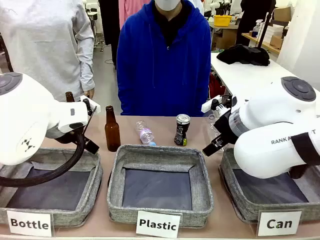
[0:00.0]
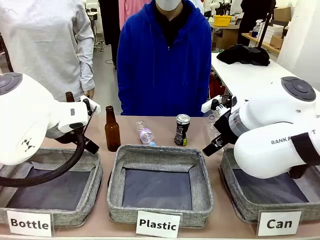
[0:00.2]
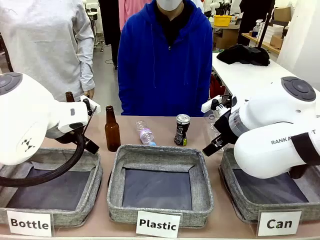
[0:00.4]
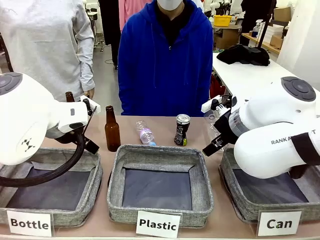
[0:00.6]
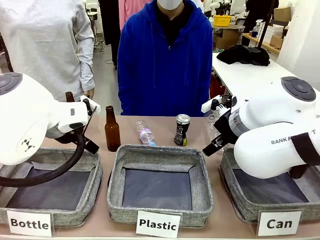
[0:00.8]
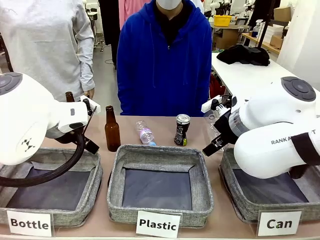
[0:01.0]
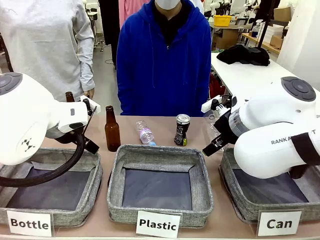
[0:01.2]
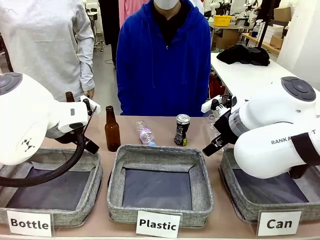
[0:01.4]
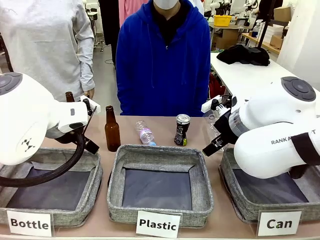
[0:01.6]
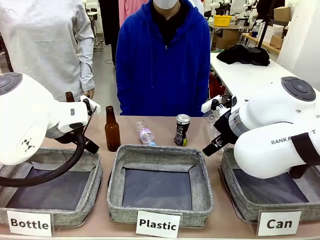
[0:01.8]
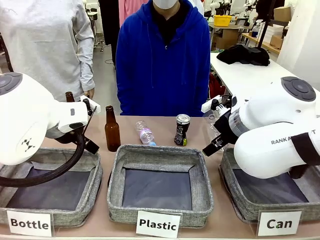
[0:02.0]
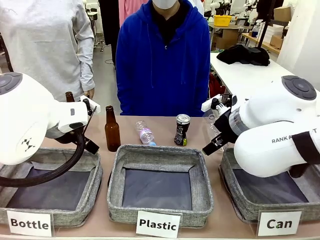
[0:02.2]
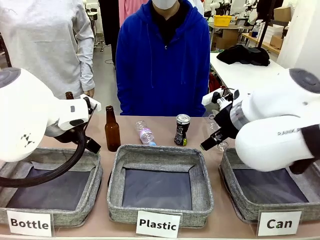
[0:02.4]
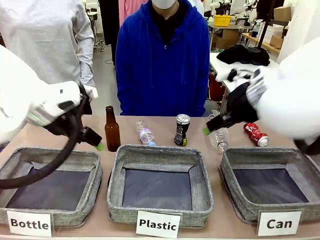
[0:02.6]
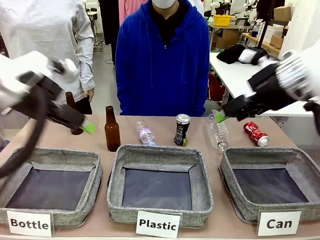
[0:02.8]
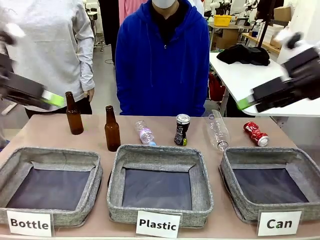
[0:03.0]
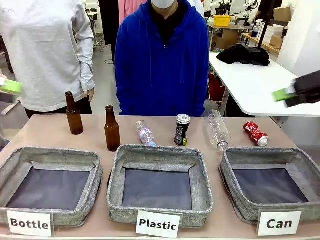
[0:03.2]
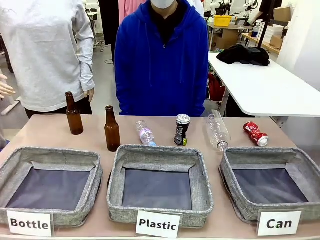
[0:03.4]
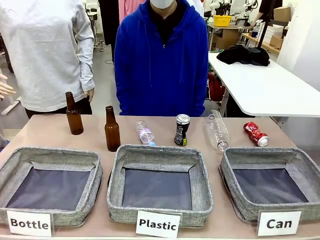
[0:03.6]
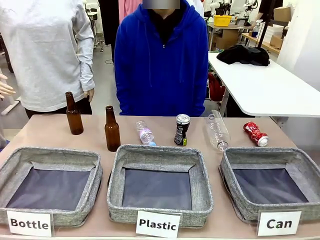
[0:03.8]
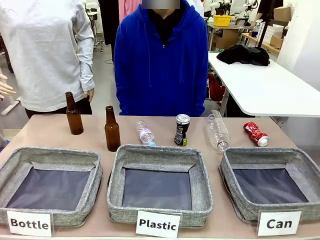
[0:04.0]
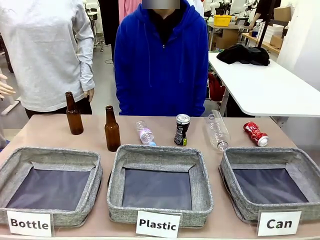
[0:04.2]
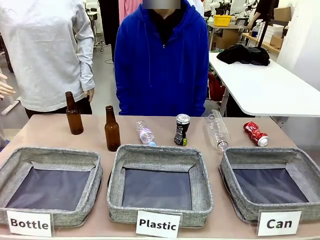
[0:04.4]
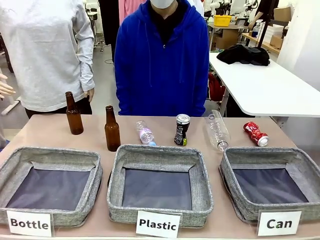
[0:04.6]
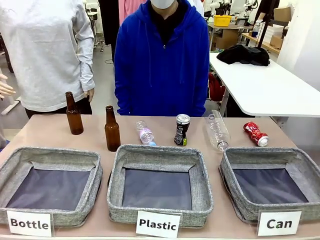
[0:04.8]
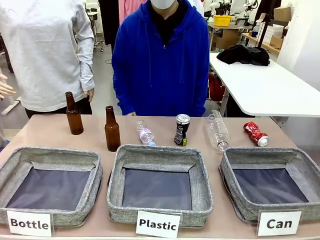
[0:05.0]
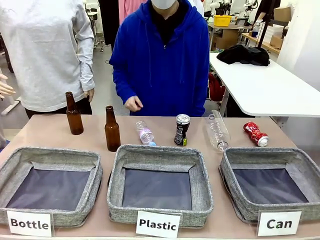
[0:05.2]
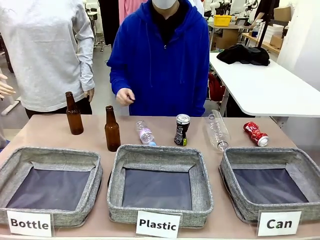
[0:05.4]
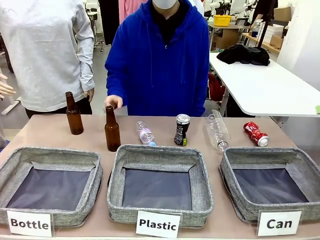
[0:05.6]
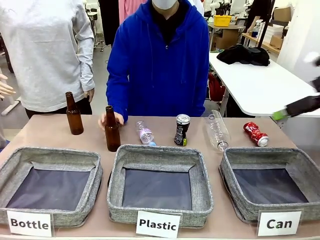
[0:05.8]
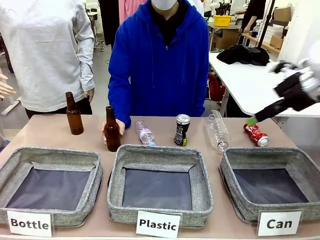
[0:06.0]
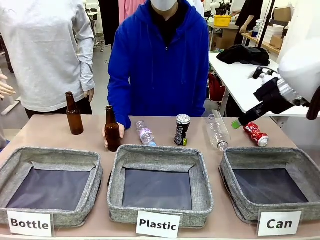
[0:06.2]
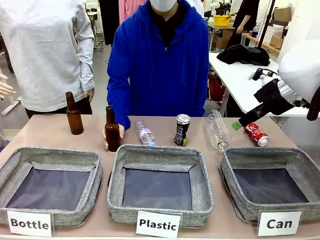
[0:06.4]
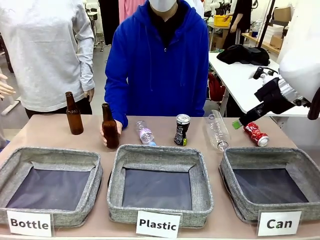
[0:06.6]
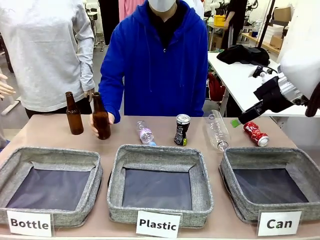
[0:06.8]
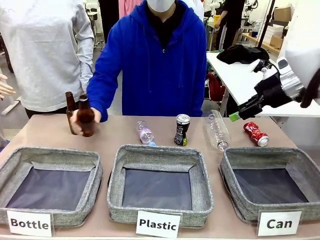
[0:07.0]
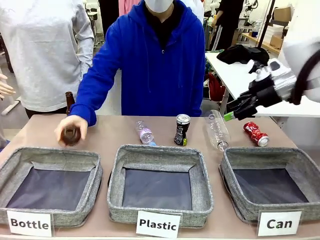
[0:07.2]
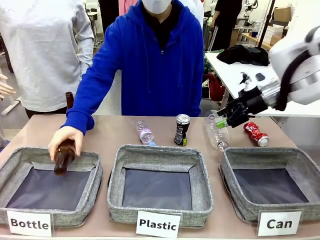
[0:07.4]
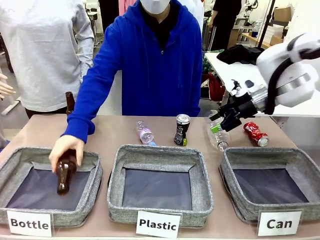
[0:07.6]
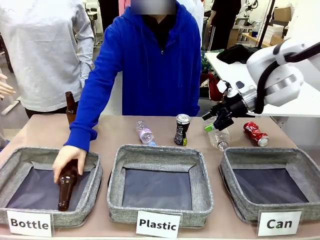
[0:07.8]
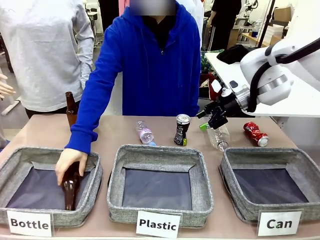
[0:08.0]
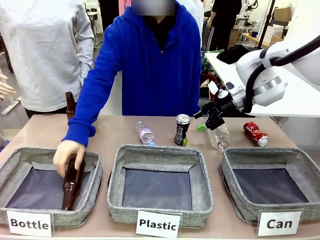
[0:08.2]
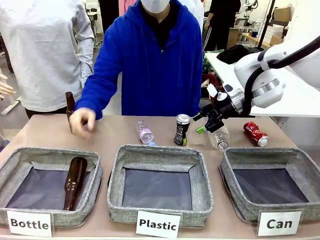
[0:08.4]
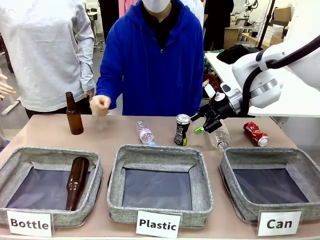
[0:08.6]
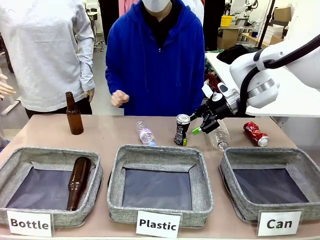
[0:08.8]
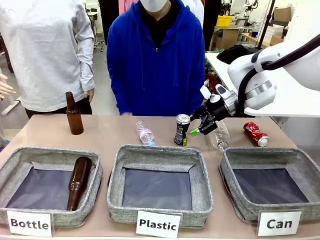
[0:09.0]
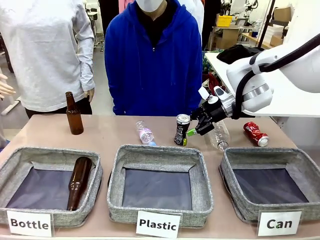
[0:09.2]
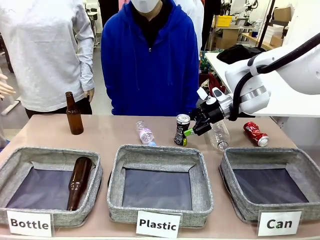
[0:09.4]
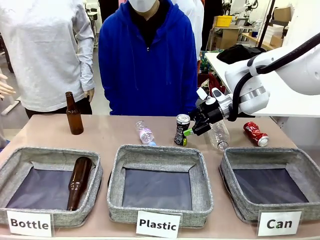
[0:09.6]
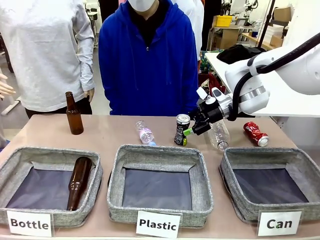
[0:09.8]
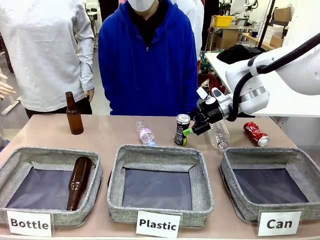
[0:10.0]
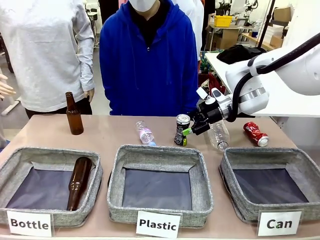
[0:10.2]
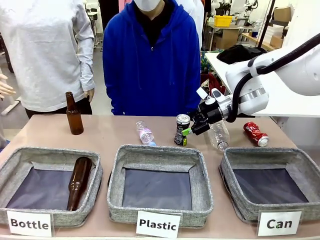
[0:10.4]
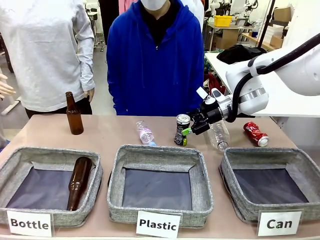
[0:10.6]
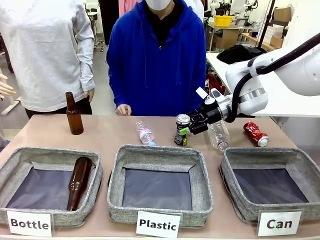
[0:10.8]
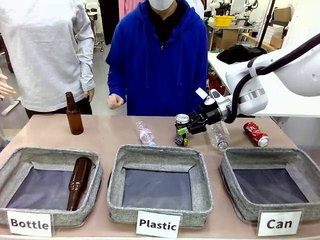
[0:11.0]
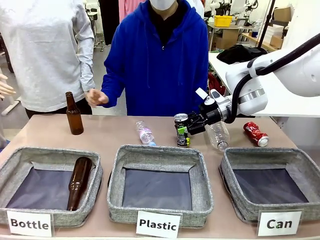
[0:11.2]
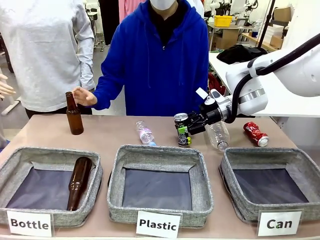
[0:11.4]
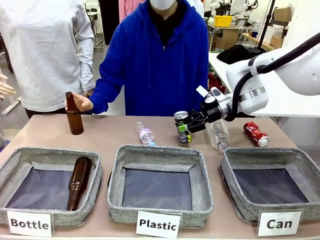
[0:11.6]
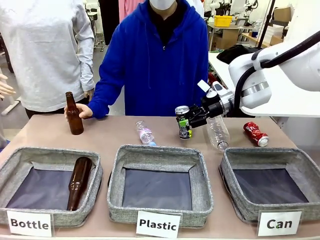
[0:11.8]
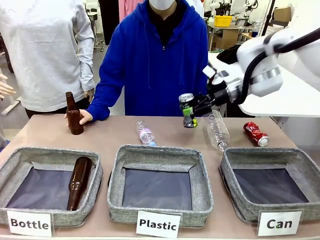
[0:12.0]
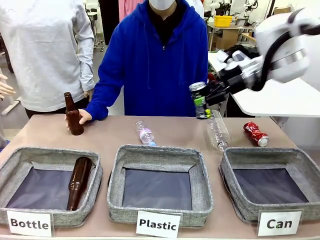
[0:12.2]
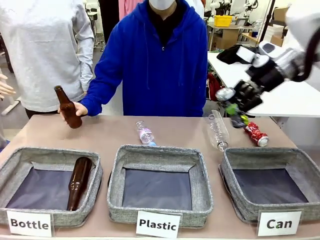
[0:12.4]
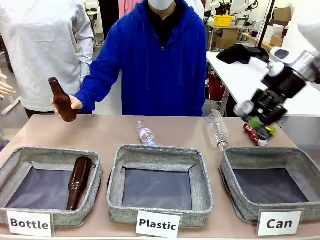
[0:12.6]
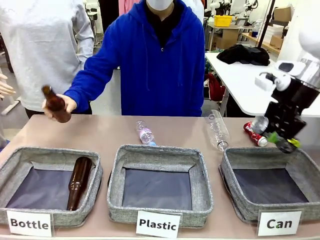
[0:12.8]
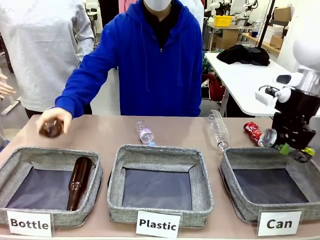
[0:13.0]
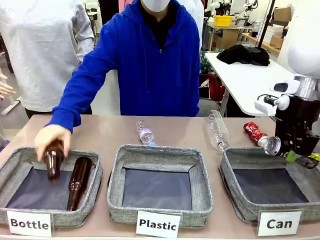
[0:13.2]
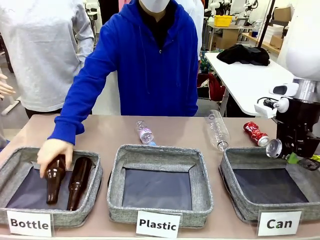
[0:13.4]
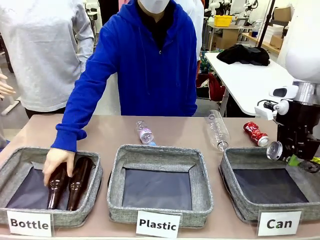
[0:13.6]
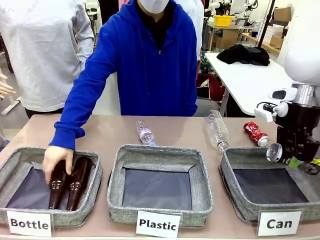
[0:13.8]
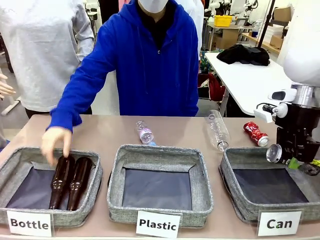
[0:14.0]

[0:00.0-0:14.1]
Task: Sort the can waste into the basket.
Robot: Pick up the can waste from the table and place it in the right Fabric basket.
